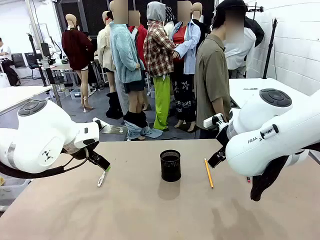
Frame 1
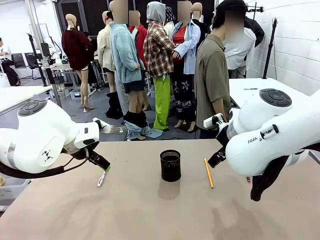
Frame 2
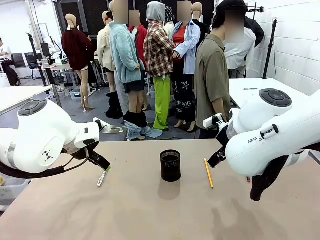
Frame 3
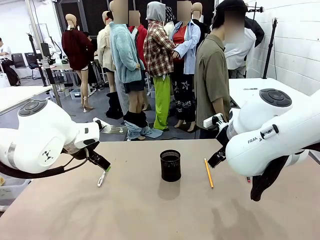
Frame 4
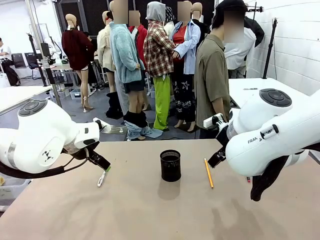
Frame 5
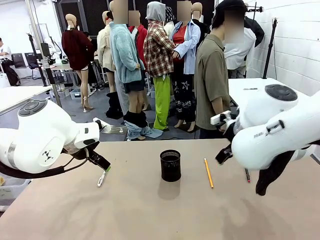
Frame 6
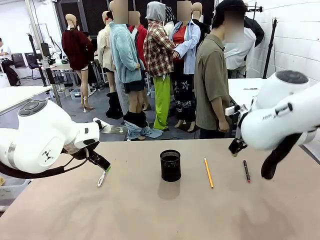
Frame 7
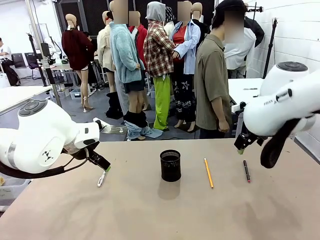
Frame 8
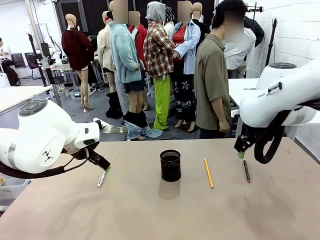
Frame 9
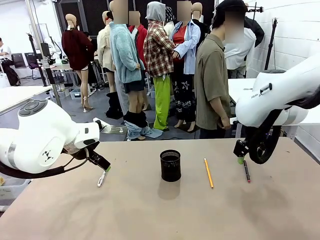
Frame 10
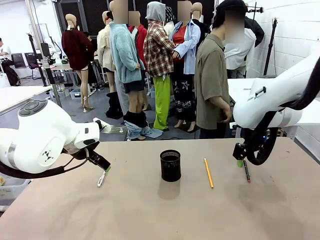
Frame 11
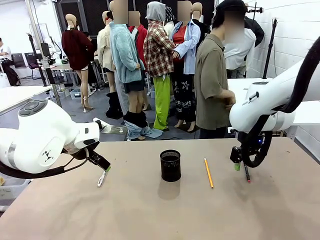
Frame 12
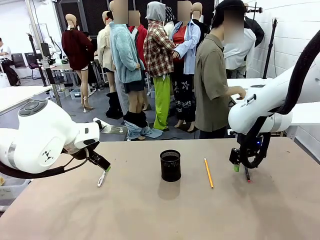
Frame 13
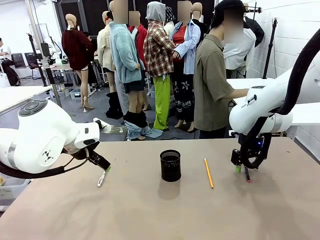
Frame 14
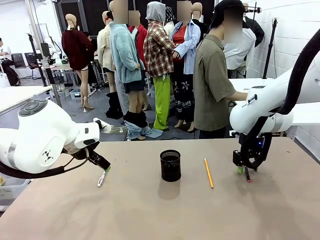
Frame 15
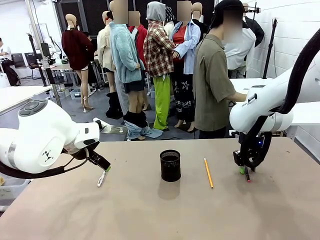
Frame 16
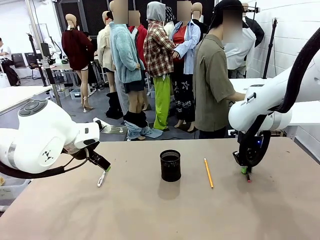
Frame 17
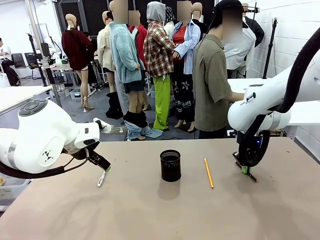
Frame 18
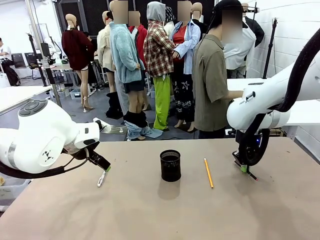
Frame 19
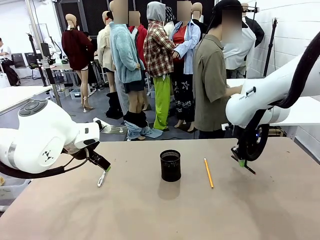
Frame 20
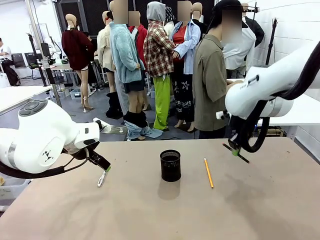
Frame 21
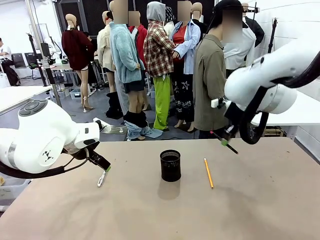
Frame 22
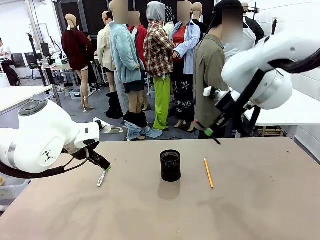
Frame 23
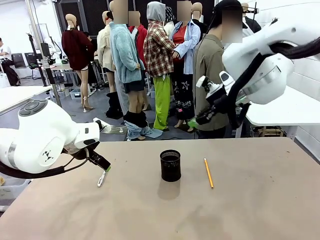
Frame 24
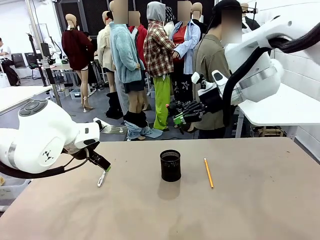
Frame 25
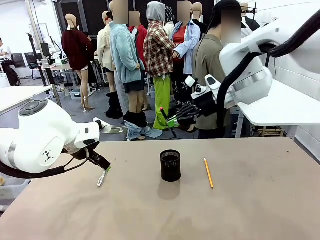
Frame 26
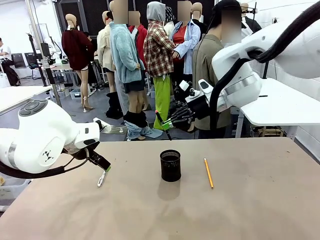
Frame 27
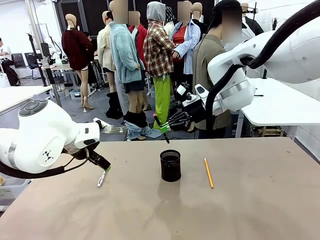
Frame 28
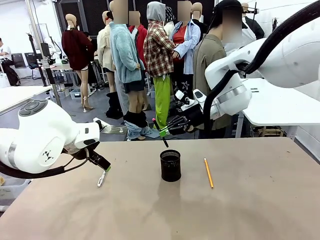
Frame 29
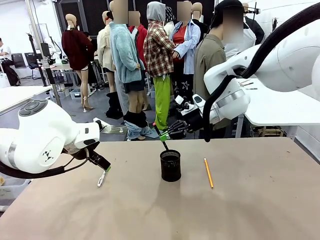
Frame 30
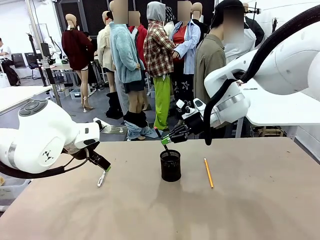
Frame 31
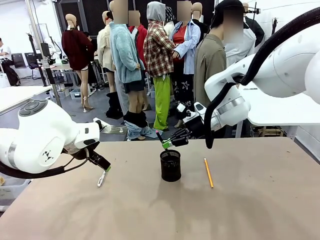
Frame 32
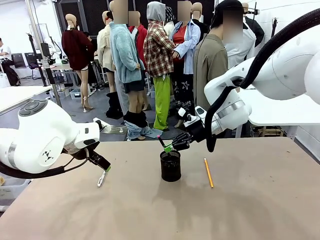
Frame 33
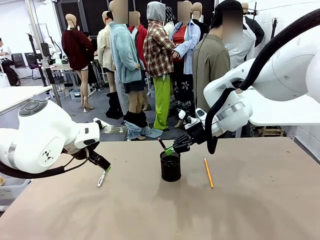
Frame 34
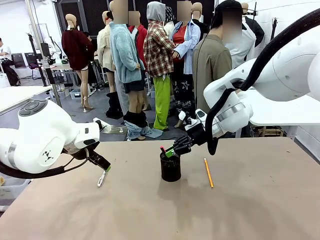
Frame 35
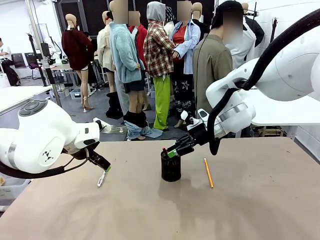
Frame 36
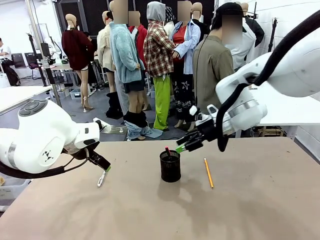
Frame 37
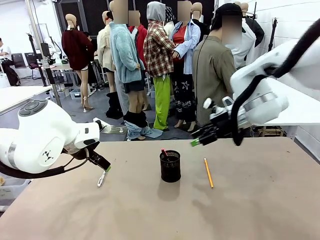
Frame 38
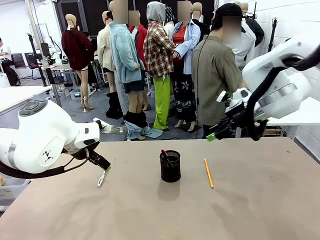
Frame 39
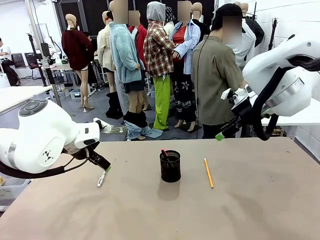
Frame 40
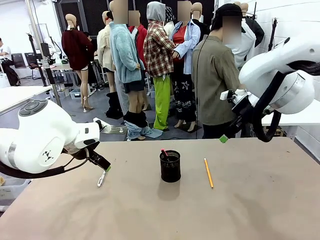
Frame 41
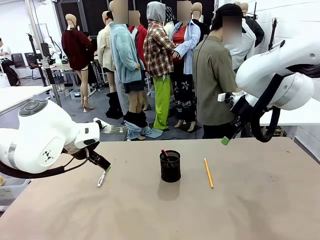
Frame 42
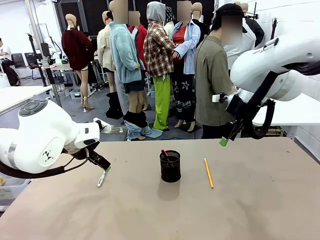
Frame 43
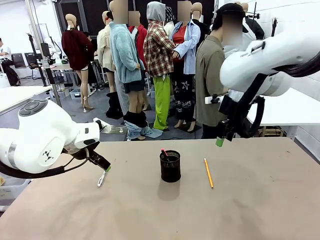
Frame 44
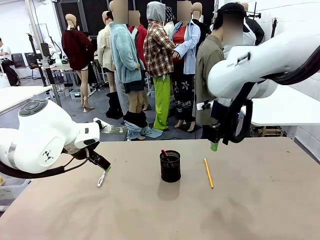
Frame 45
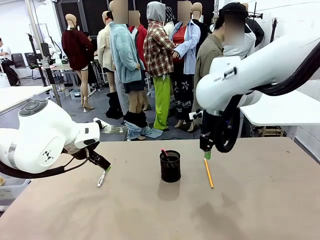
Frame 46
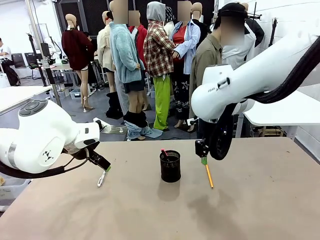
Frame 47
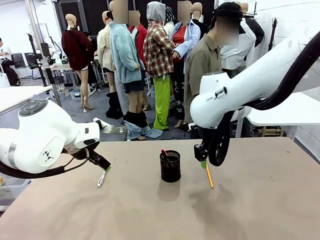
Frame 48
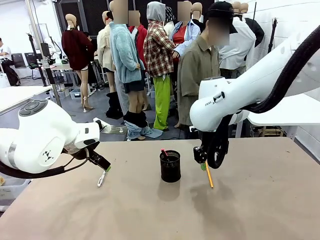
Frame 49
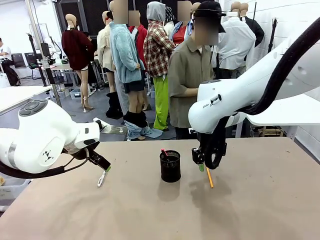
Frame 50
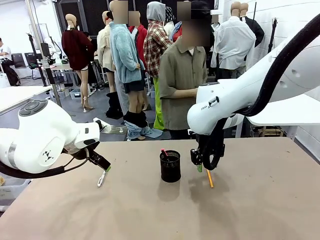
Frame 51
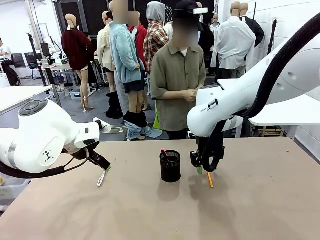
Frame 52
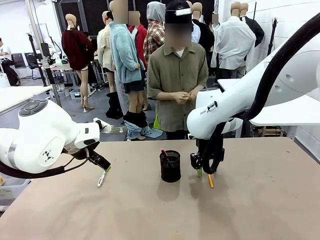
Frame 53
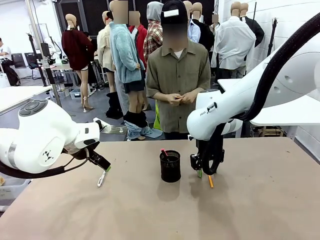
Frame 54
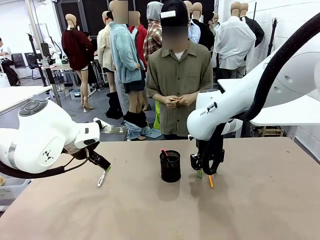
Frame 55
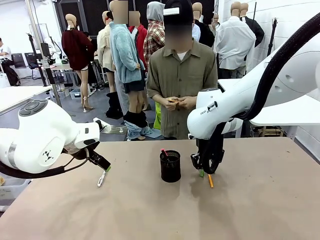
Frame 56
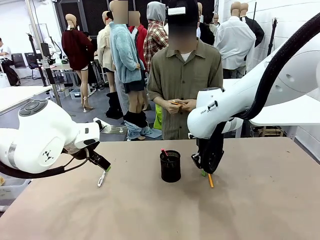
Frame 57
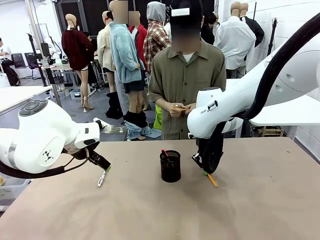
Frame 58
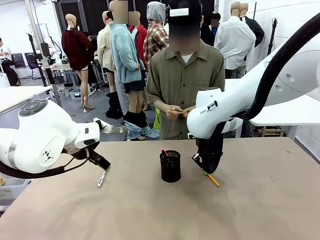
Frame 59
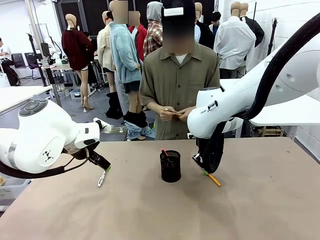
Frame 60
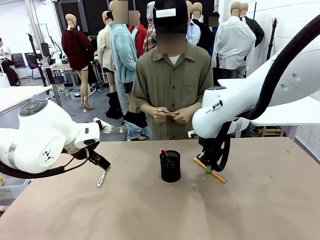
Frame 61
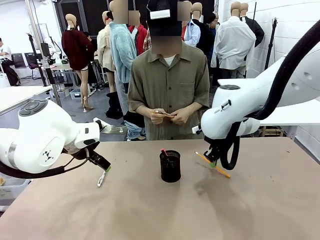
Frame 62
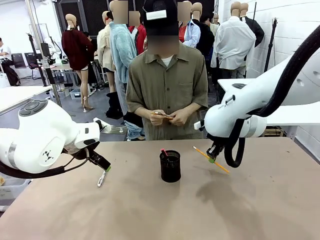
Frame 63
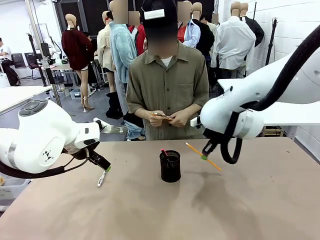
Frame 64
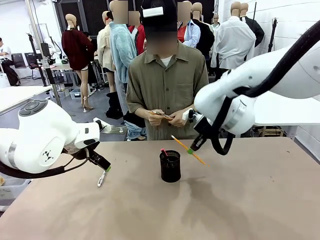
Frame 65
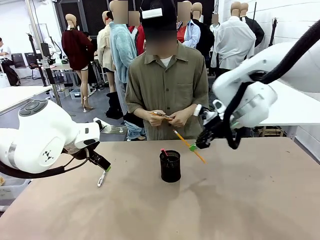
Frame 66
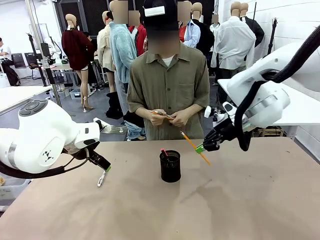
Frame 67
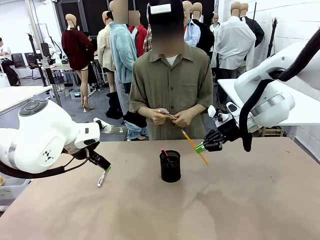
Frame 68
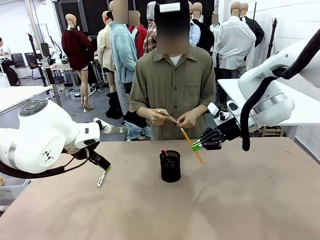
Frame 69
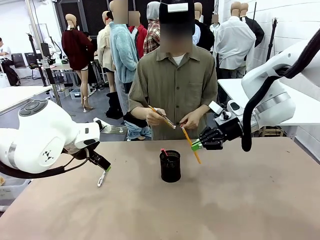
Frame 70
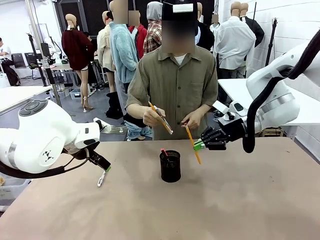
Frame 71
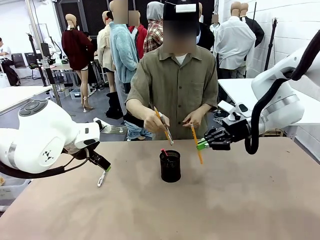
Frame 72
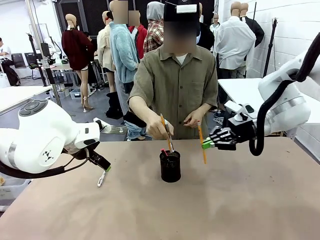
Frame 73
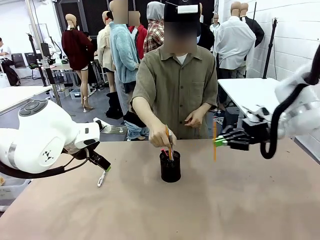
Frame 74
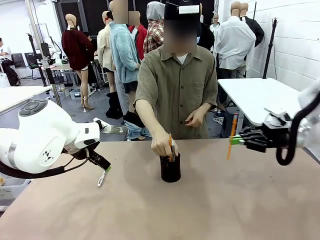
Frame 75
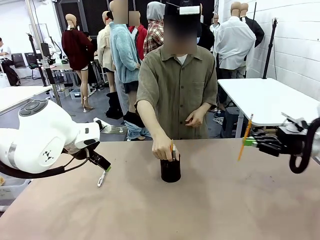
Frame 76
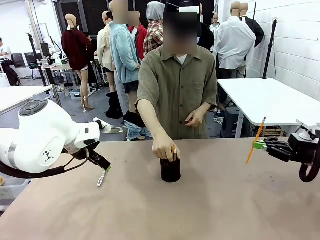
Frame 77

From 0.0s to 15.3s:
Task: Place the pens into the pen holder.
Robot: Pick up a writing instrument from the table and place it into the Pen holder.
Person: Pick up all writing instruments from the Human table.
